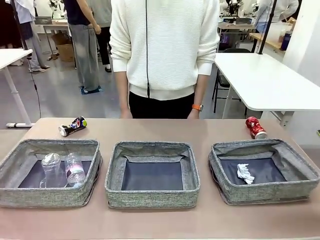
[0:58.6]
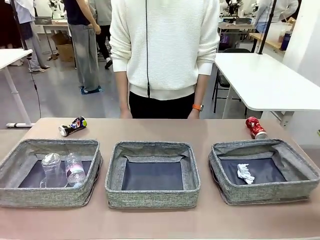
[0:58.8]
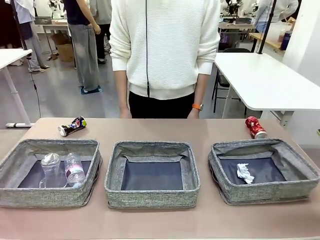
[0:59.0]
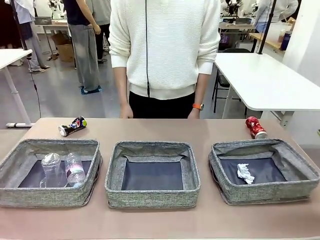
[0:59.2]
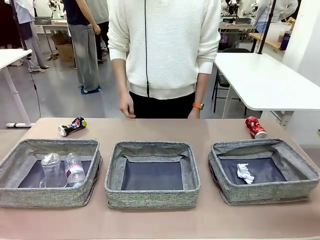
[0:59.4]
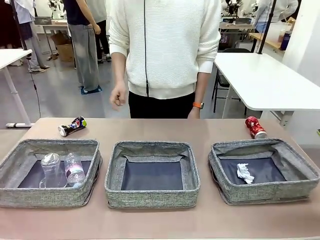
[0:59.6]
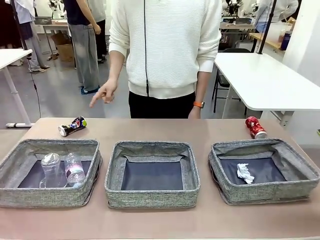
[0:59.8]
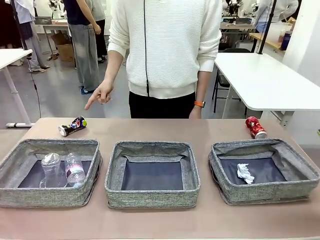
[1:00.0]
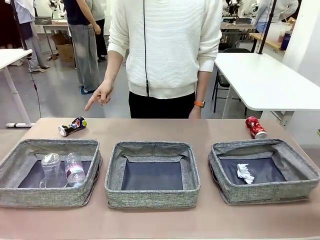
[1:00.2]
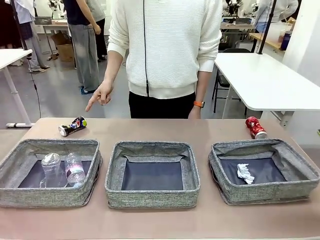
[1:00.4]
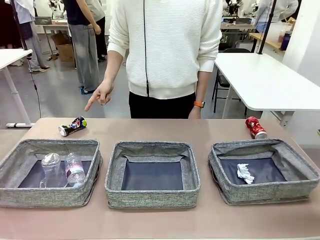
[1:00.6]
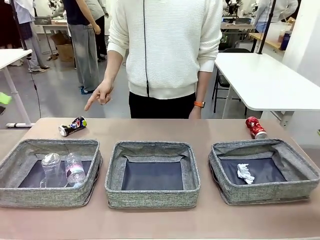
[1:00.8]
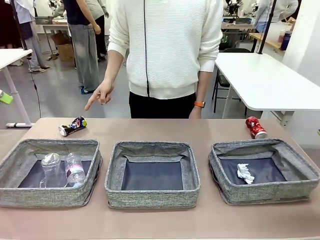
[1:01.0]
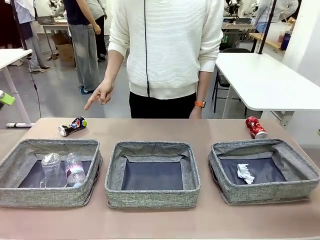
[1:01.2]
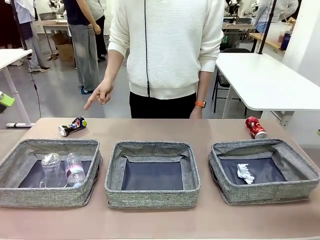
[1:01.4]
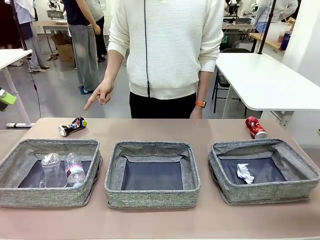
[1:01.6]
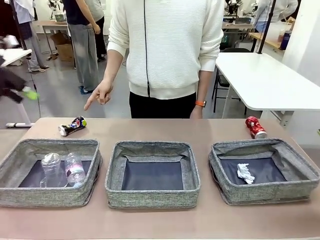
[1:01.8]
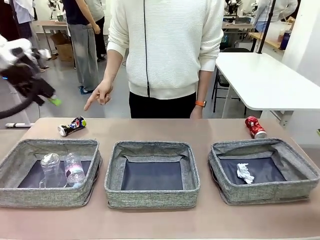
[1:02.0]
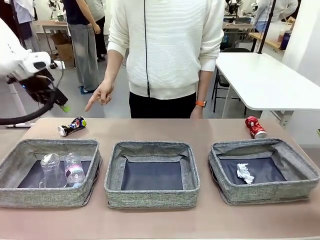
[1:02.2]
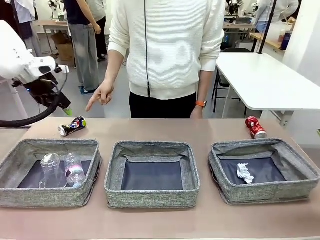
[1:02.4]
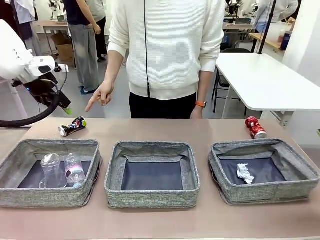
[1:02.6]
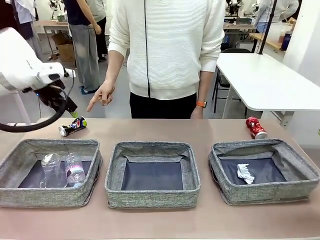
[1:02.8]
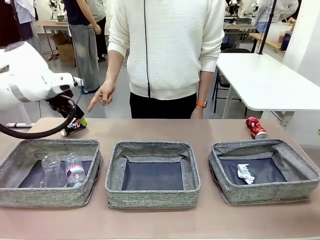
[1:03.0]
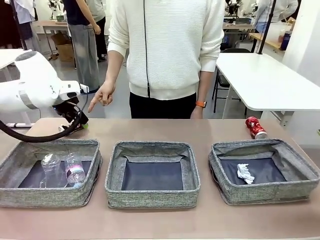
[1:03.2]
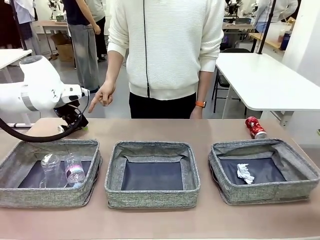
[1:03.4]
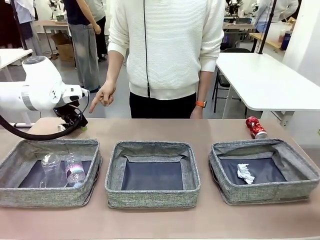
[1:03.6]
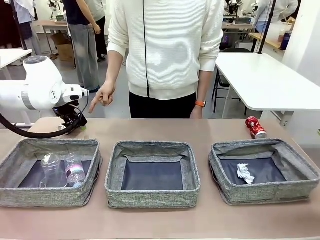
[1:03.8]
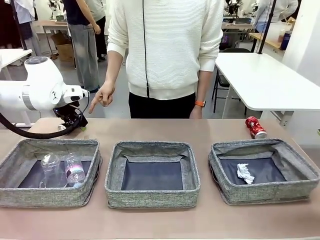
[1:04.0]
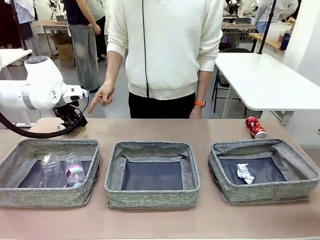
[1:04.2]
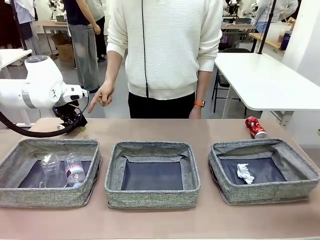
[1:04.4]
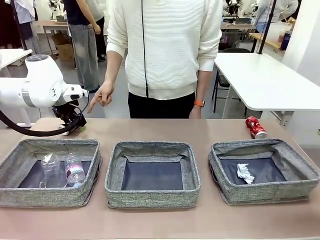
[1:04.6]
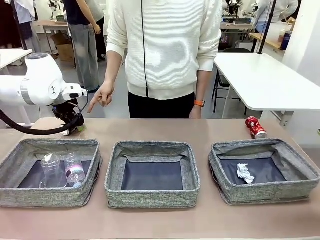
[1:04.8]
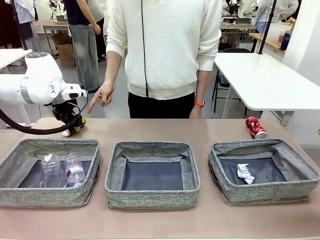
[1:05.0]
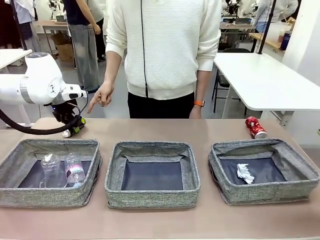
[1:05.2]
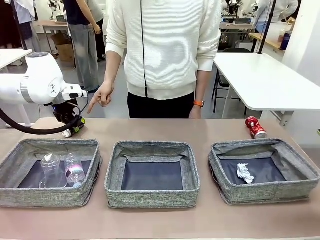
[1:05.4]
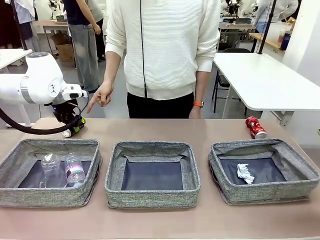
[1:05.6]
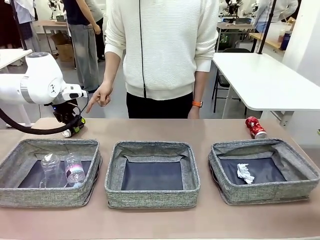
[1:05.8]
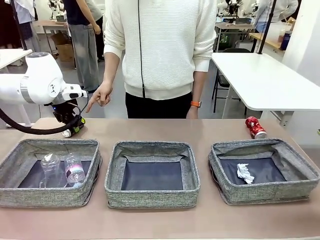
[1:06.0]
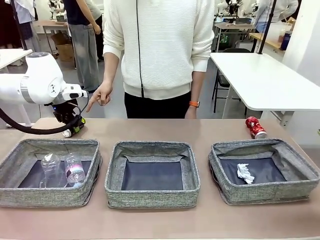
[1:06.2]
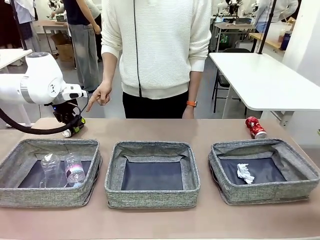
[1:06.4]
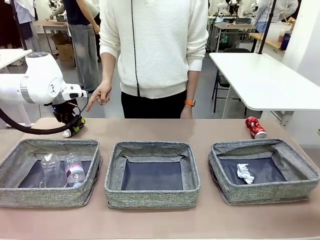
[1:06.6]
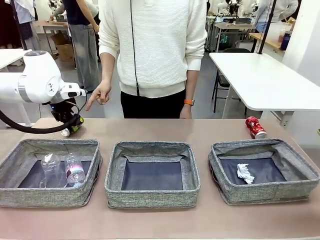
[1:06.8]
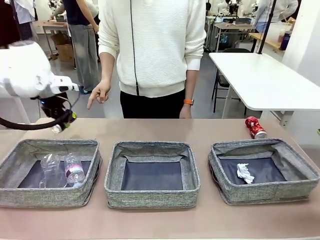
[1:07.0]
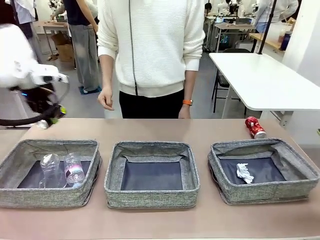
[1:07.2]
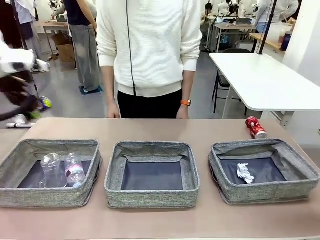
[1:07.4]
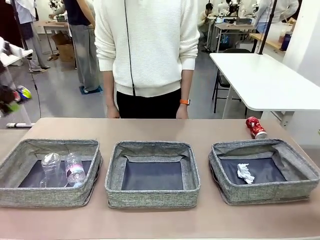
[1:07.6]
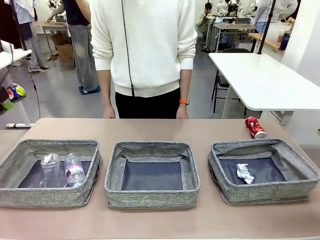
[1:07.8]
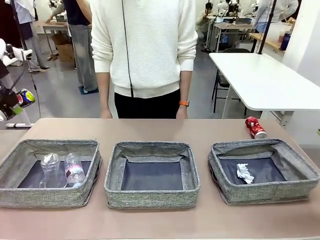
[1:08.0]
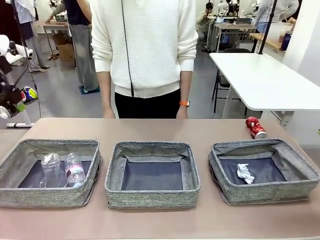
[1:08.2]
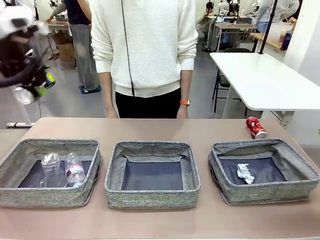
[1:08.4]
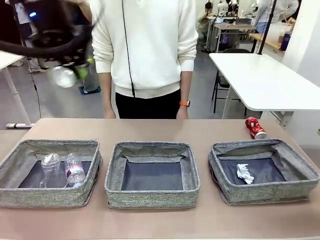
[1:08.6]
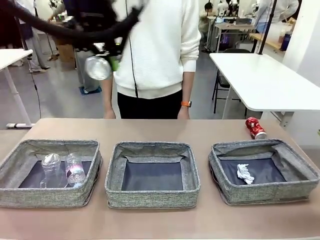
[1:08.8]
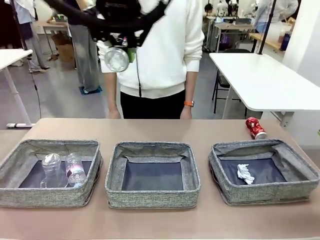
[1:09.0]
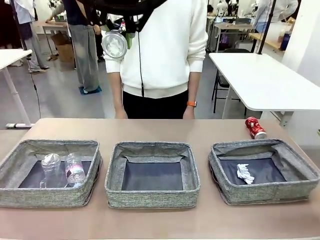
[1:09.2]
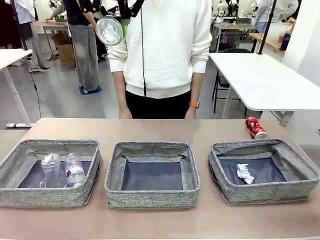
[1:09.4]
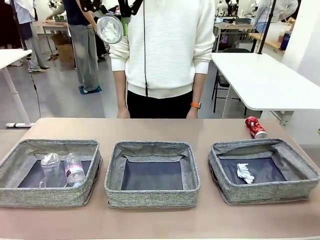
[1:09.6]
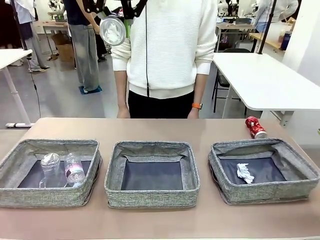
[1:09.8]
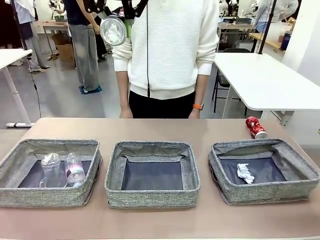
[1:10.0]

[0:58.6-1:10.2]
Task: Sort the waste into the appropriate baskets.
Robot: Pick up the waste item pointed out by the person.
Person: Points to one piece of trash on the table.

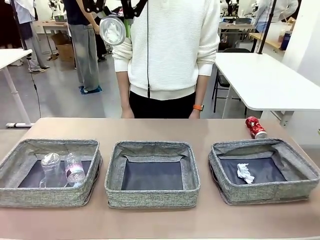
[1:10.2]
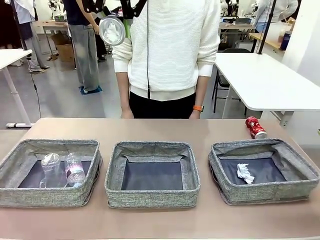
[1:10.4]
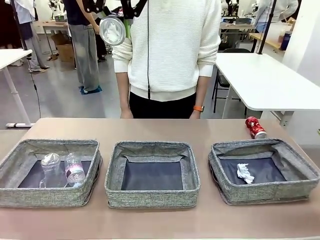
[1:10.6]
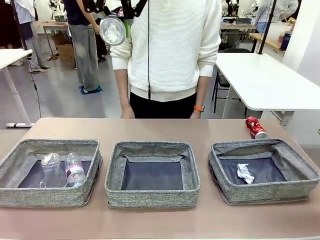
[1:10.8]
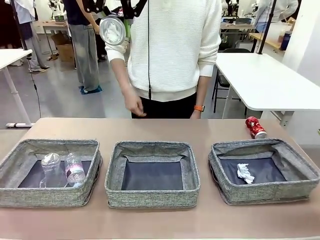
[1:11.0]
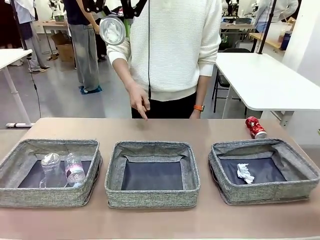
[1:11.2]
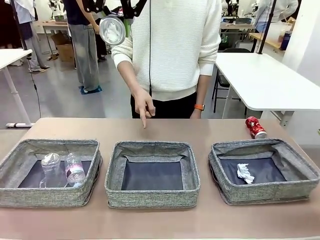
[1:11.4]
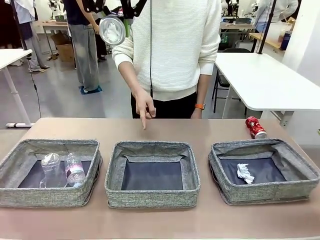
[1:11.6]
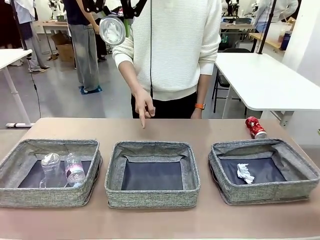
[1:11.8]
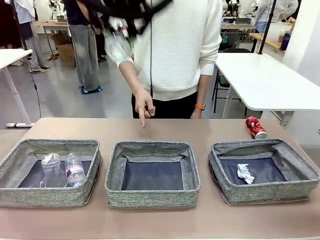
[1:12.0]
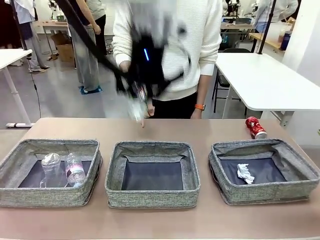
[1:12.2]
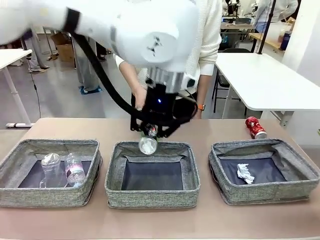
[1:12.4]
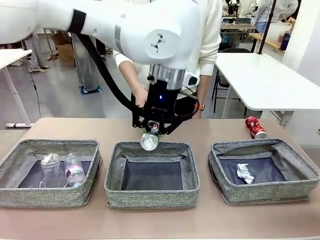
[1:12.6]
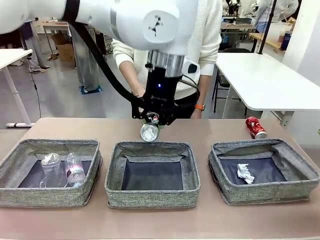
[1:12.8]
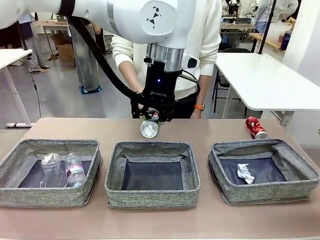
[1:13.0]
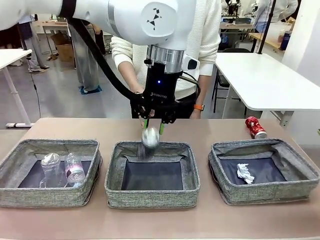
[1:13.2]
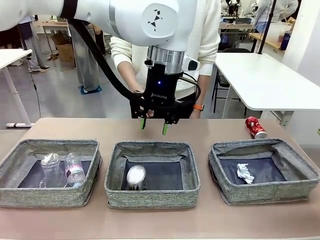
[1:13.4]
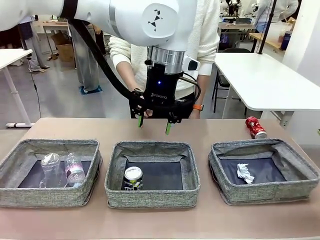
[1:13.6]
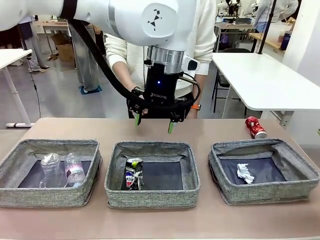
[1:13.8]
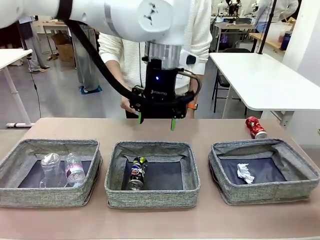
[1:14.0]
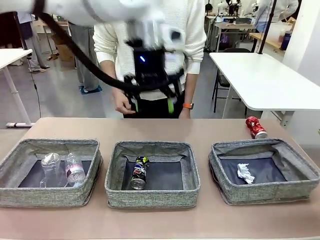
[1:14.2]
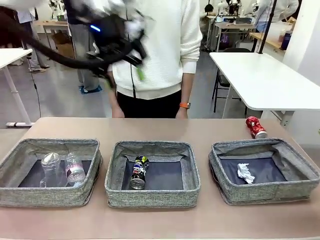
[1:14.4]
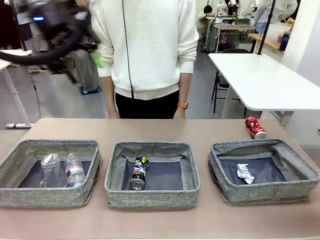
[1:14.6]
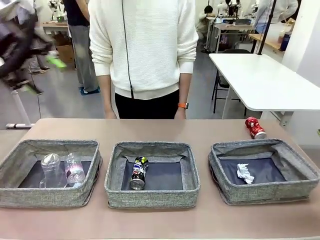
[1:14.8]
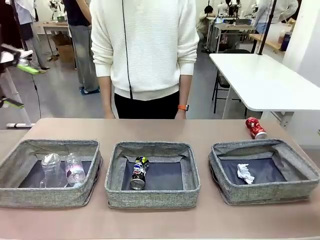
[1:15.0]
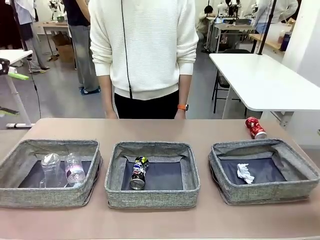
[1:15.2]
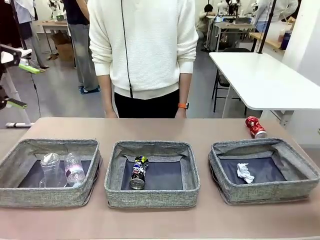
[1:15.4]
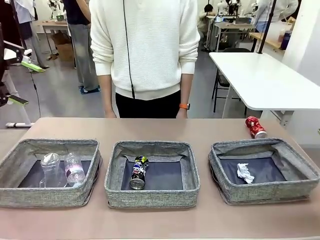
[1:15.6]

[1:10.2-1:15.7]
Robot: Place the picked waste into the Fabric basket indicated by the person.
Person: Instructs the robot to place the picked-up trash into the appropriate organizing basket.
